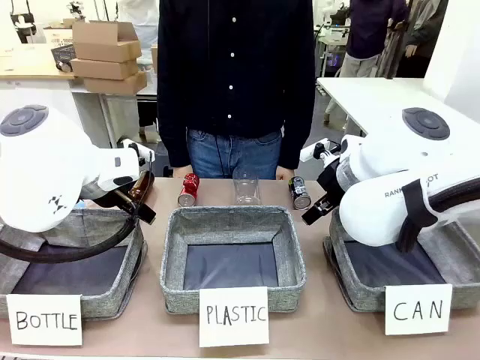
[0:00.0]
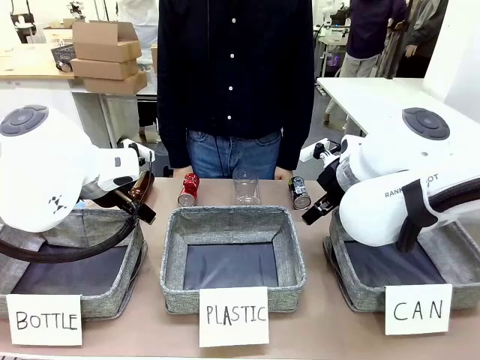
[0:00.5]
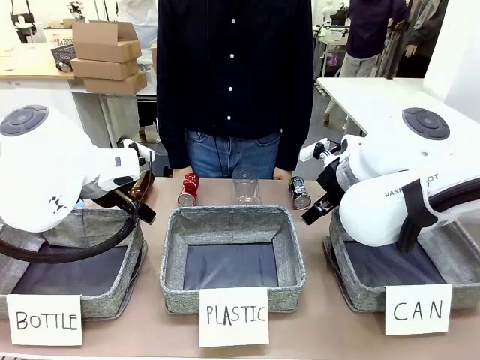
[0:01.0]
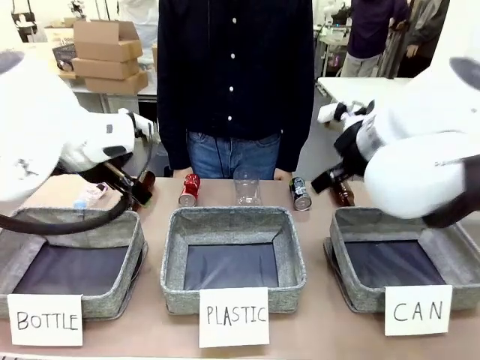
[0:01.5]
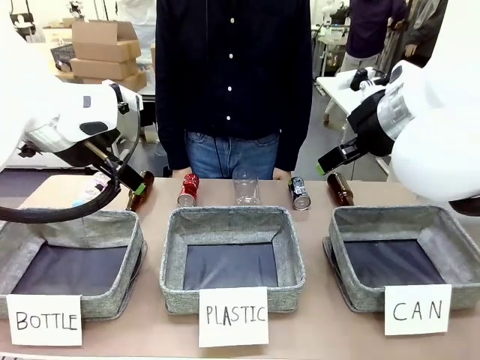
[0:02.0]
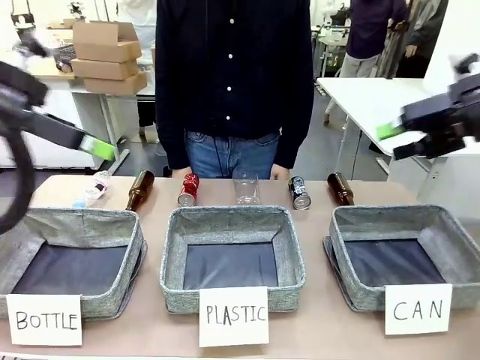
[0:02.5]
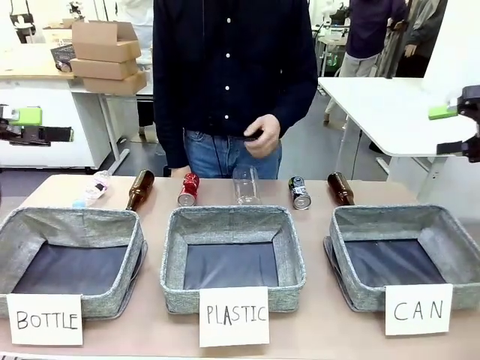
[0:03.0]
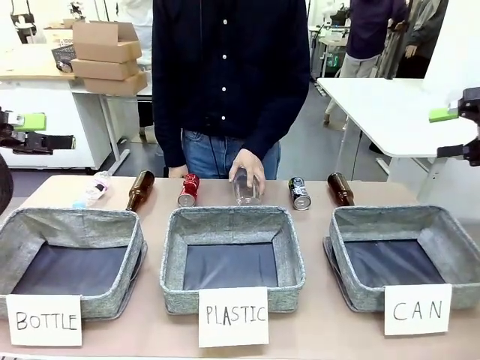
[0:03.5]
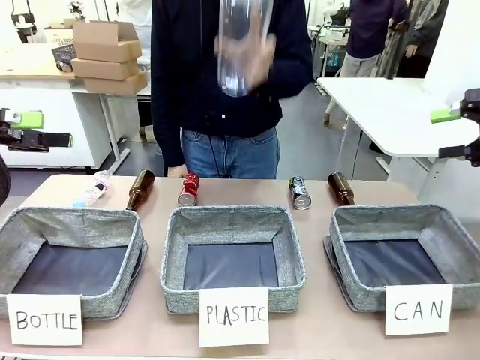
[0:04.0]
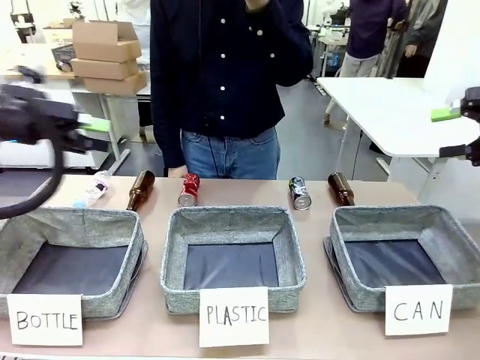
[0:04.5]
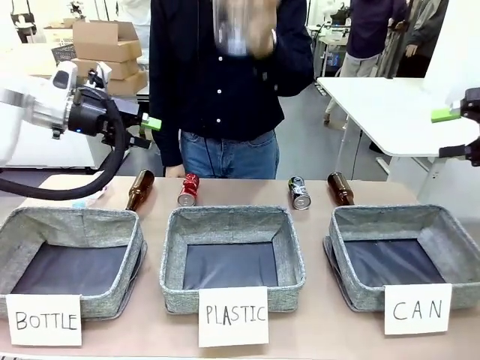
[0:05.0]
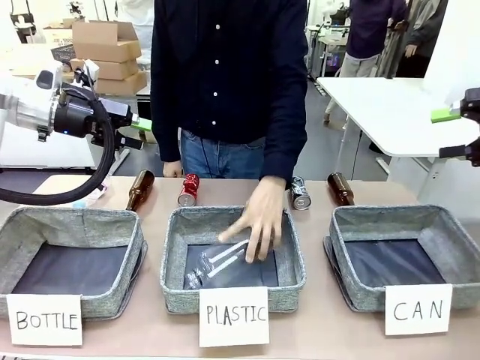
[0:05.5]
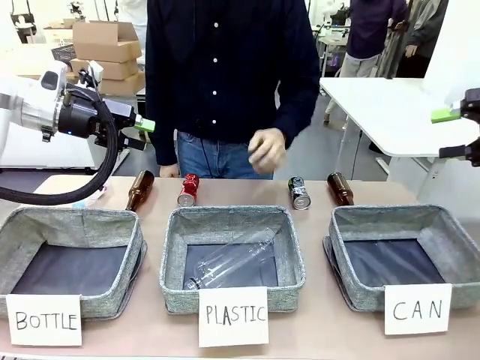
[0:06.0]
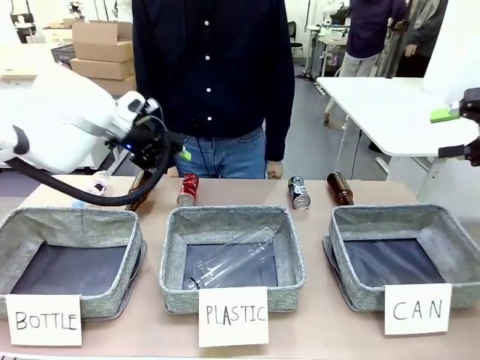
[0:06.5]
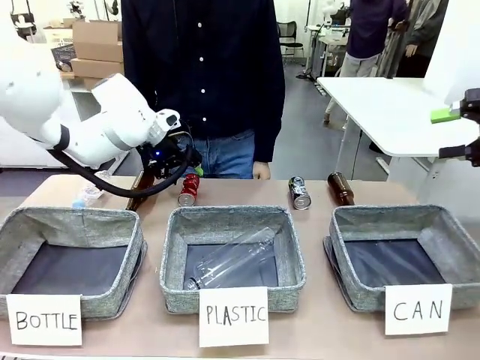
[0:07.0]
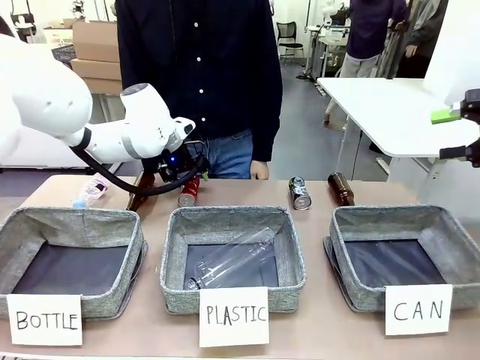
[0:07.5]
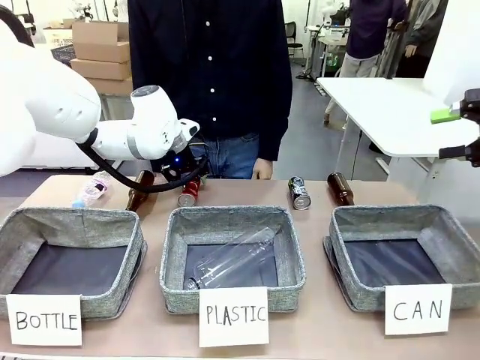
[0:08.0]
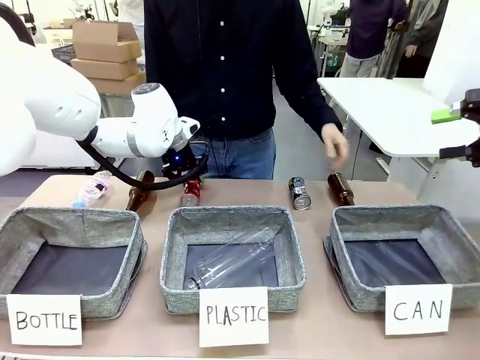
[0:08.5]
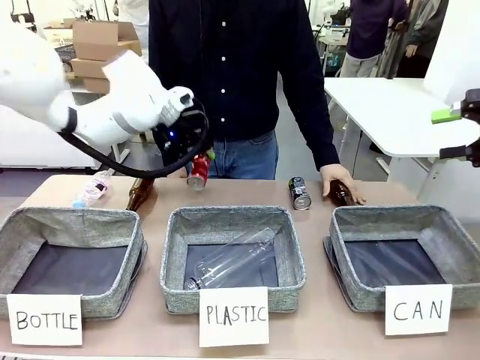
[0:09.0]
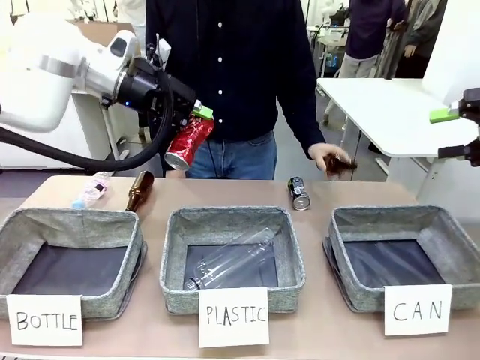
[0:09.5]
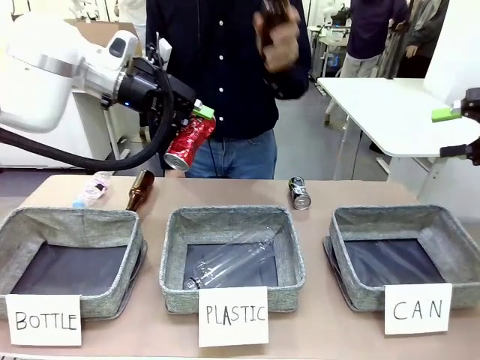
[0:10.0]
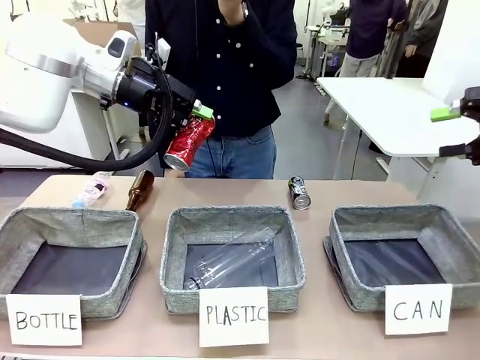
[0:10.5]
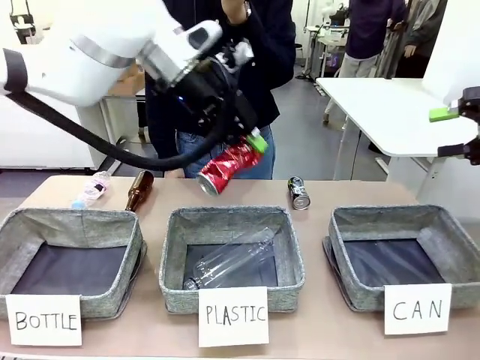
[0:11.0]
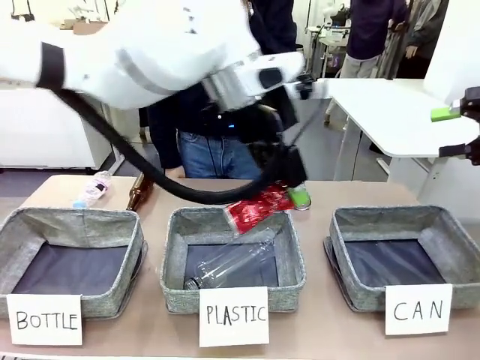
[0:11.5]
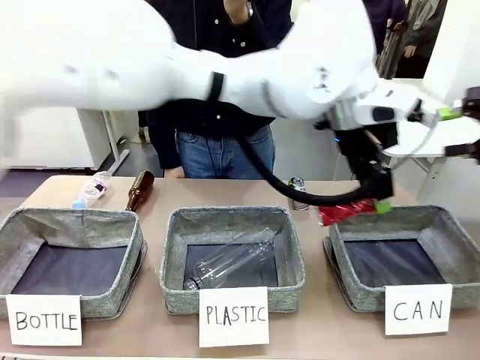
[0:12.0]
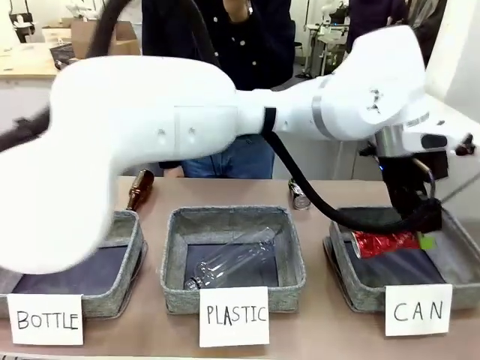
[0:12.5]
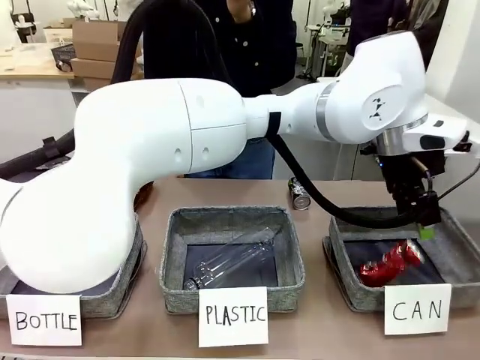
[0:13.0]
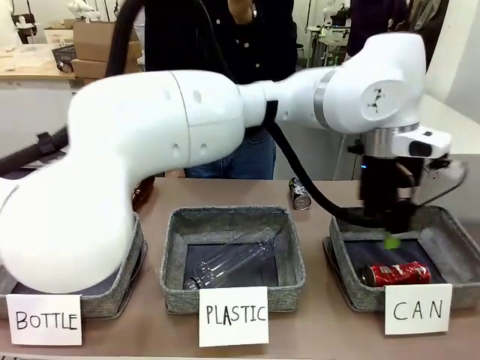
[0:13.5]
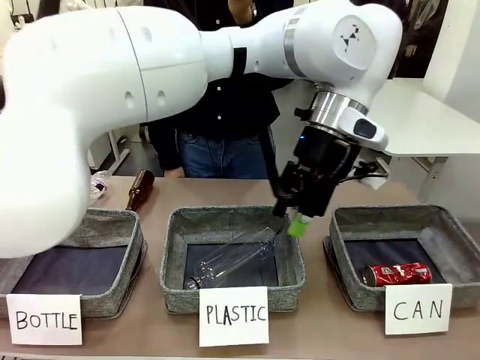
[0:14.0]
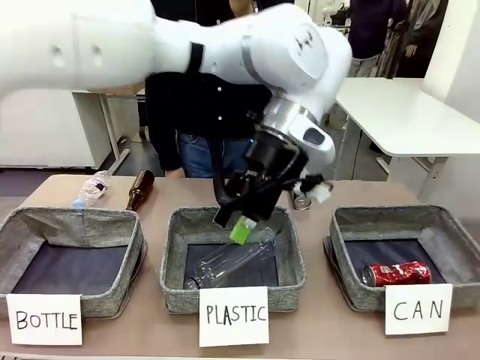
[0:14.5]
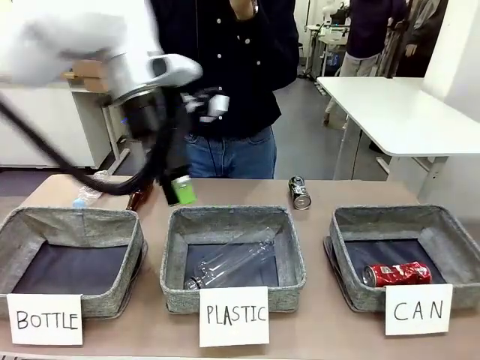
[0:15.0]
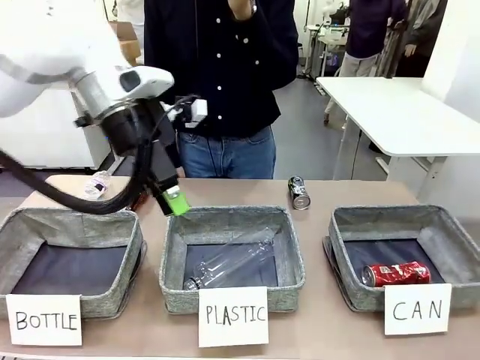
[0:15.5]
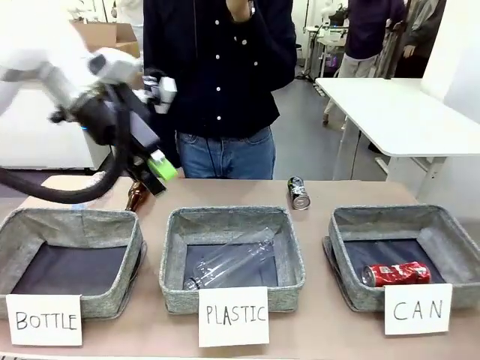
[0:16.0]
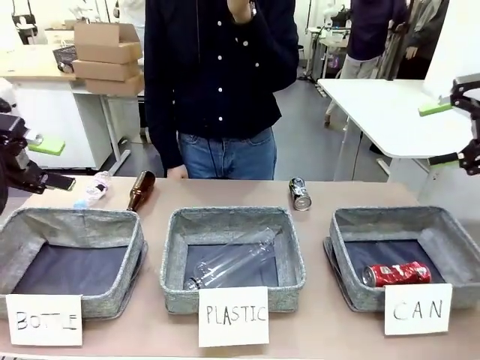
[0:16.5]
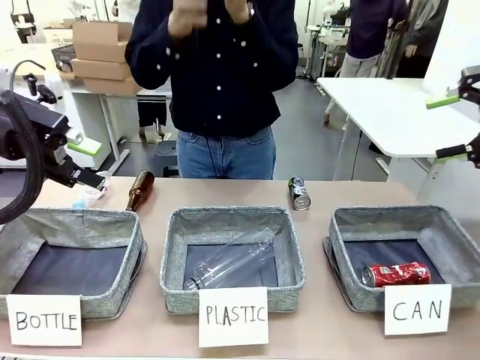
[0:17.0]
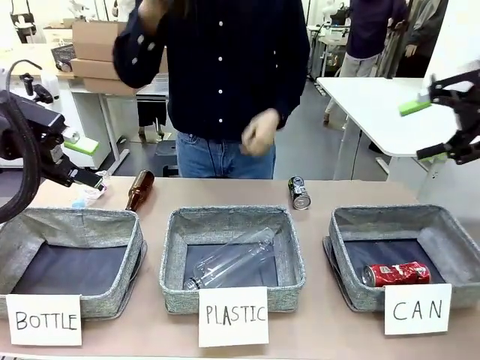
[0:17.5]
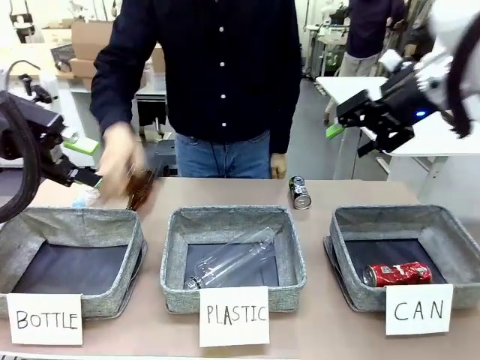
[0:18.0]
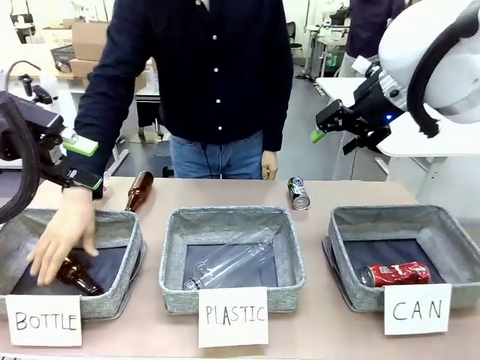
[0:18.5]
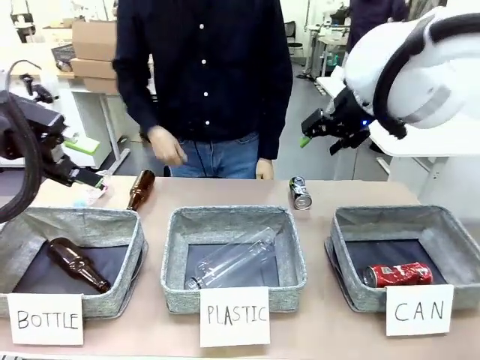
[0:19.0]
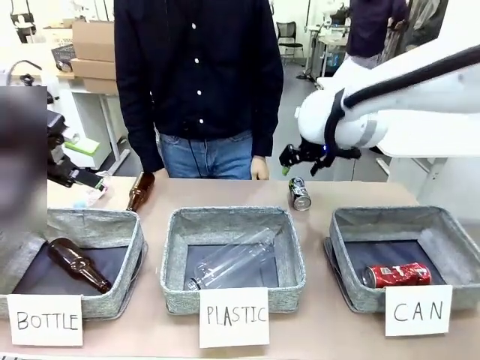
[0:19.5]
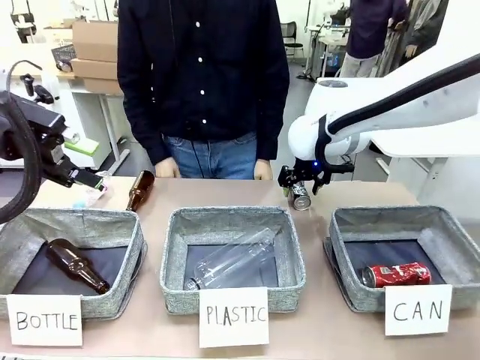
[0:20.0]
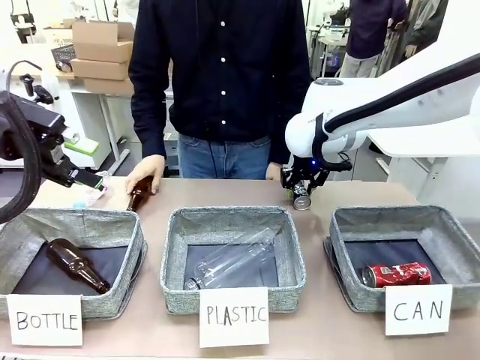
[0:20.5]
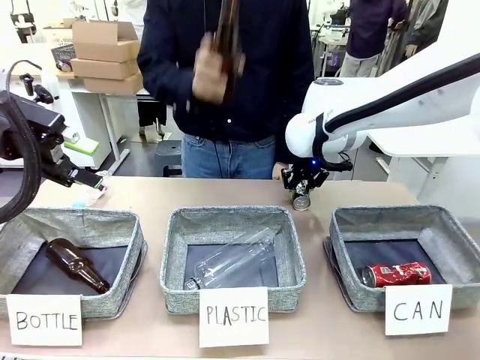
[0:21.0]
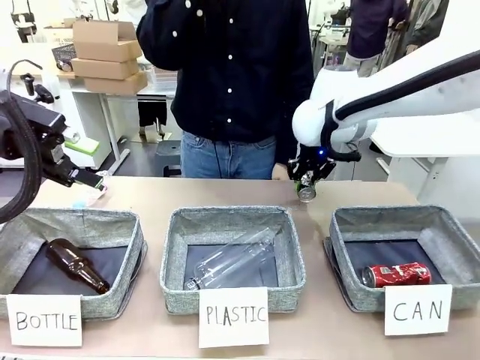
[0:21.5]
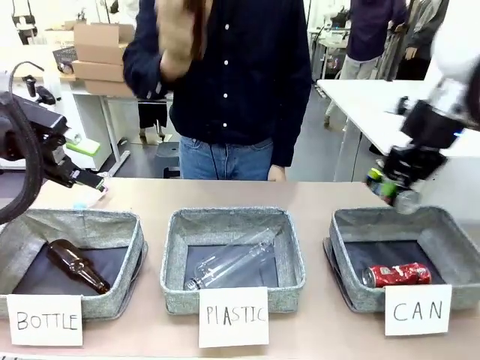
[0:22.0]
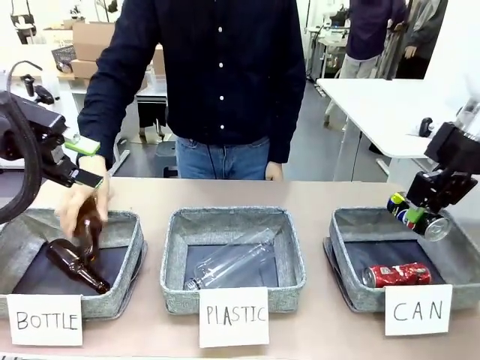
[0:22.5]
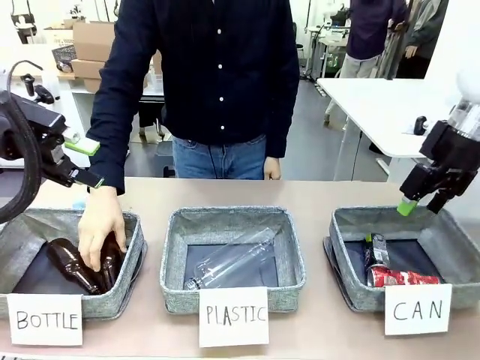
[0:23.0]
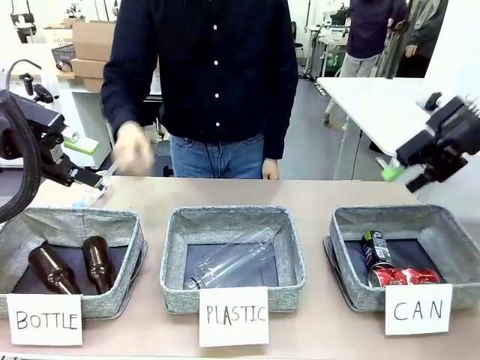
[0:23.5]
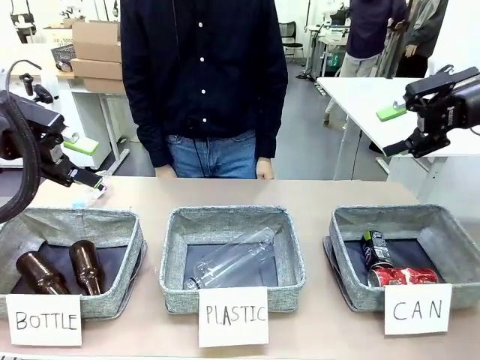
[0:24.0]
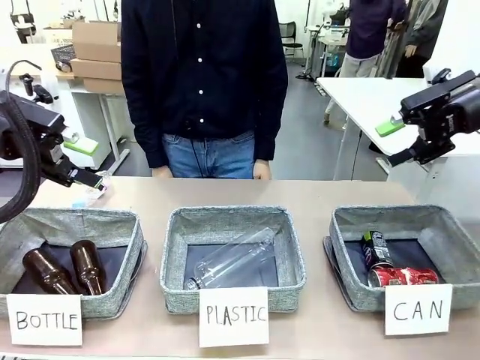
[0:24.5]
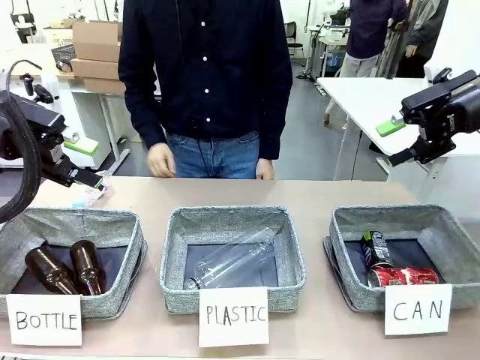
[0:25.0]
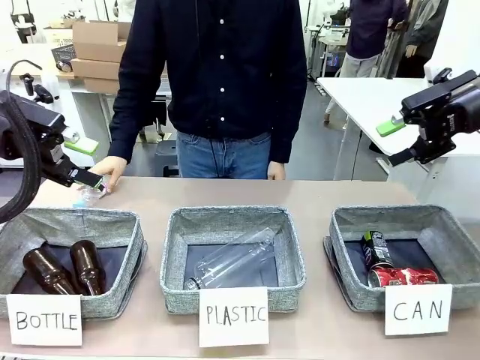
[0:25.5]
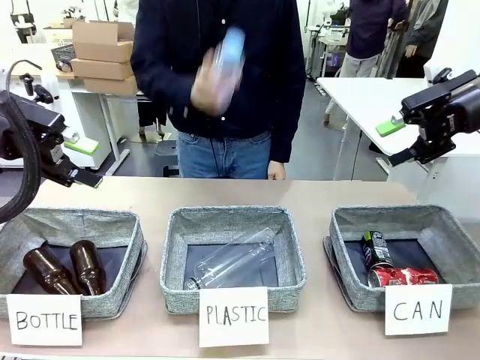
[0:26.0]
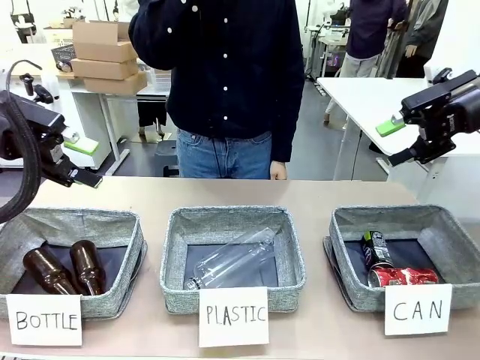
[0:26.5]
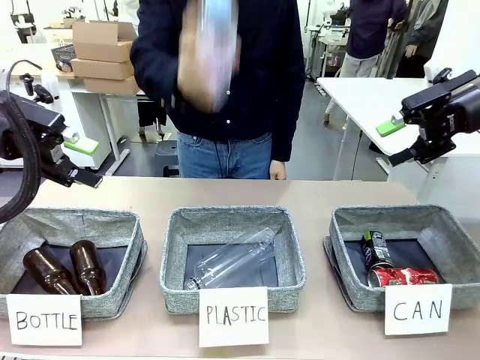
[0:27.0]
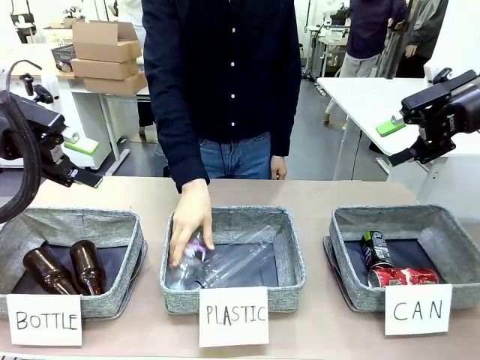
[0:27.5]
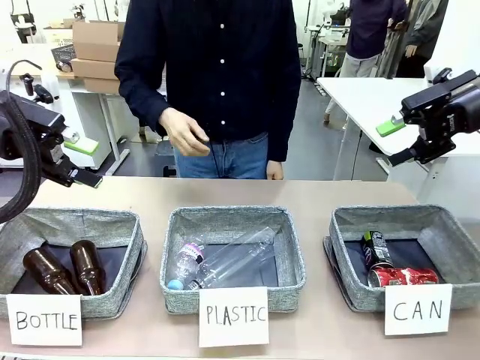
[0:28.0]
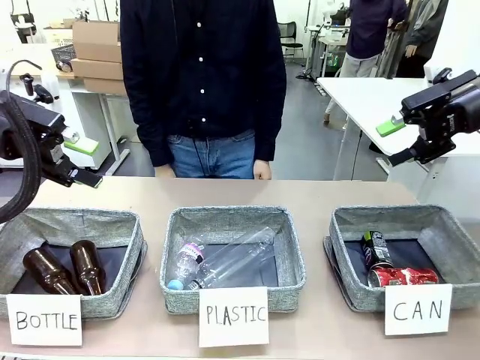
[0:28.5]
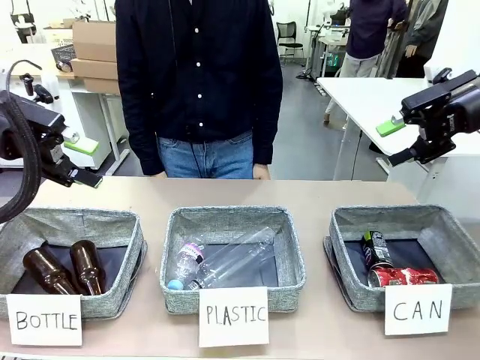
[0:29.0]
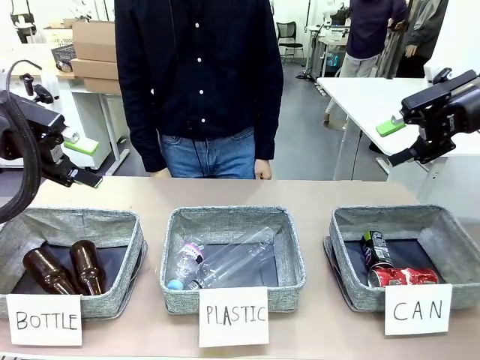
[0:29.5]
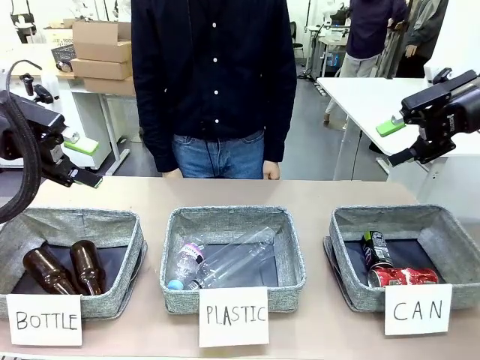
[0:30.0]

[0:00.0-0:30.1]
Task: Sort the can waste into the basket.
Robot: Pick up the can waste from the table and place it in the right Fabric basket.
Person: The human picks up one piece of trash that is not a can and places the trash into the appropriate organizing basket.
